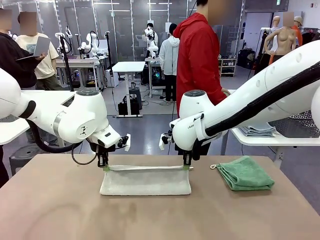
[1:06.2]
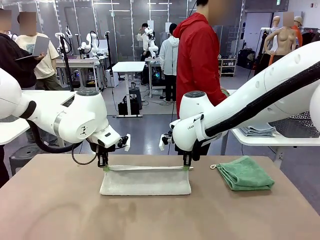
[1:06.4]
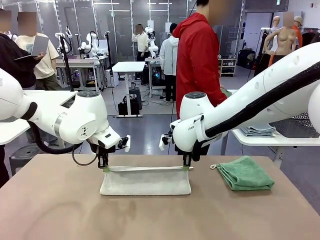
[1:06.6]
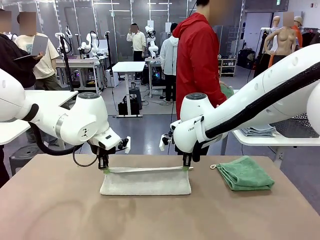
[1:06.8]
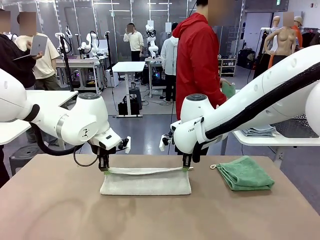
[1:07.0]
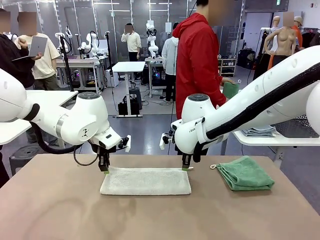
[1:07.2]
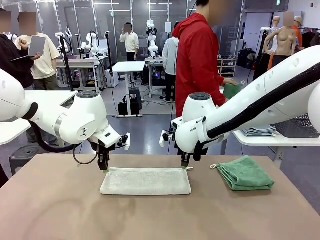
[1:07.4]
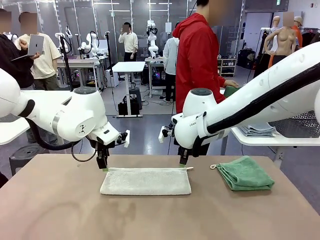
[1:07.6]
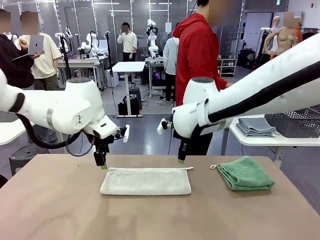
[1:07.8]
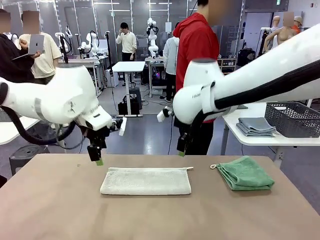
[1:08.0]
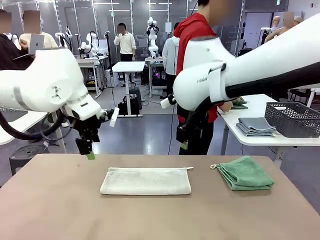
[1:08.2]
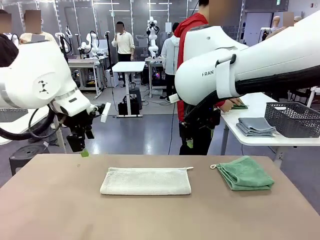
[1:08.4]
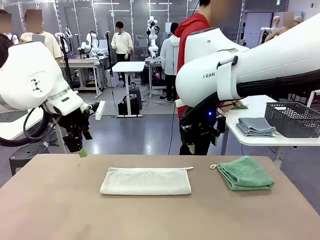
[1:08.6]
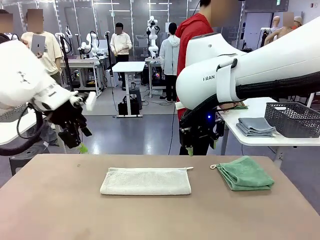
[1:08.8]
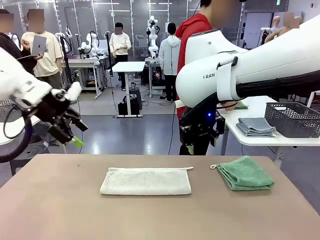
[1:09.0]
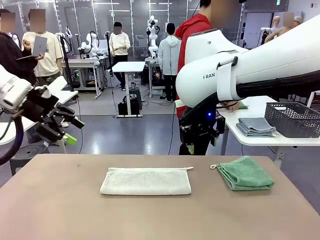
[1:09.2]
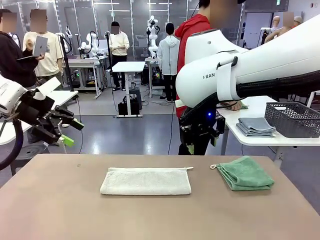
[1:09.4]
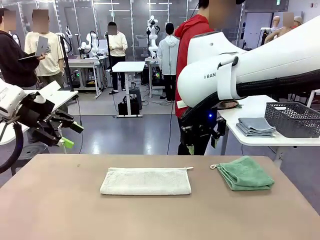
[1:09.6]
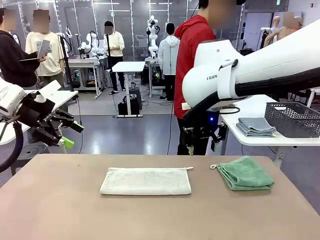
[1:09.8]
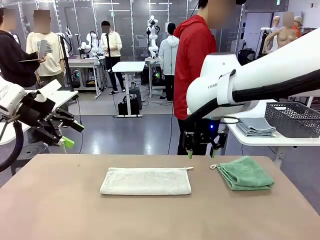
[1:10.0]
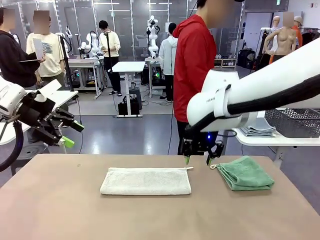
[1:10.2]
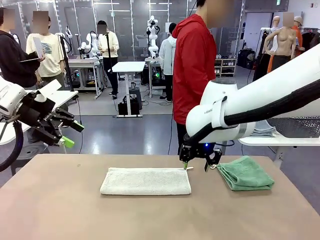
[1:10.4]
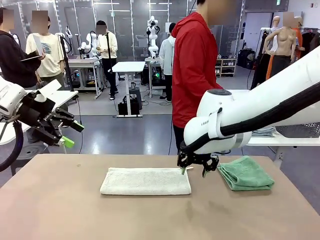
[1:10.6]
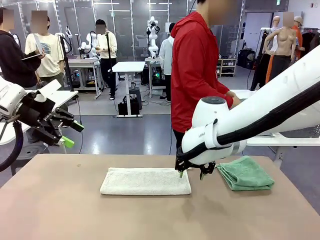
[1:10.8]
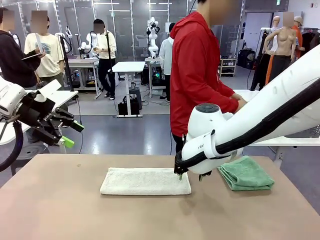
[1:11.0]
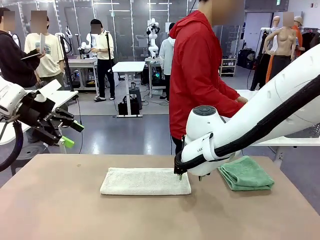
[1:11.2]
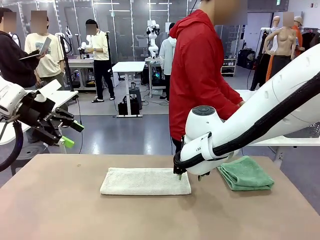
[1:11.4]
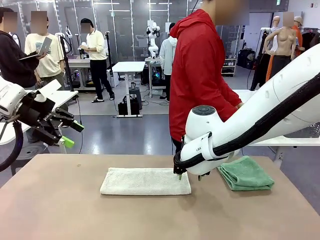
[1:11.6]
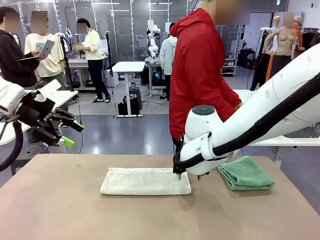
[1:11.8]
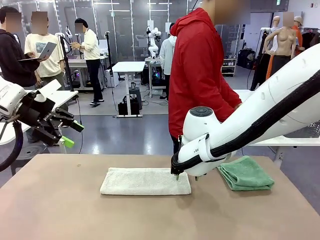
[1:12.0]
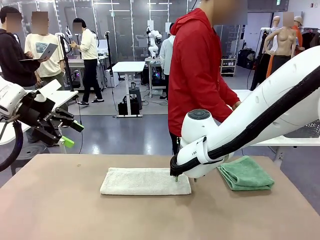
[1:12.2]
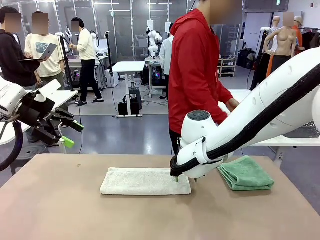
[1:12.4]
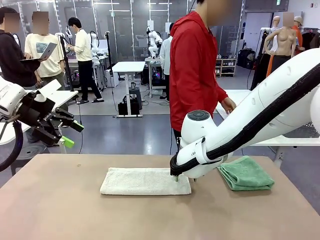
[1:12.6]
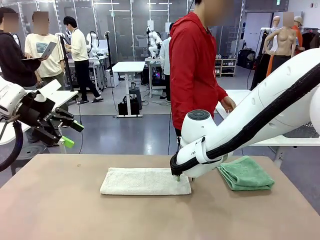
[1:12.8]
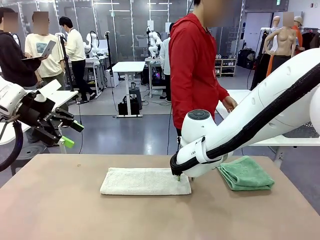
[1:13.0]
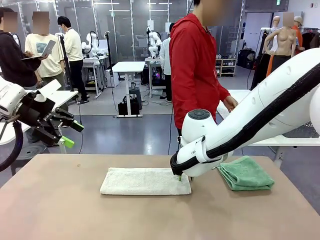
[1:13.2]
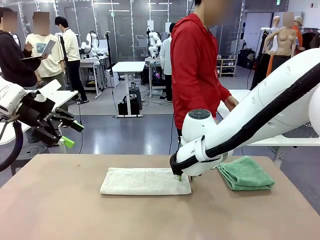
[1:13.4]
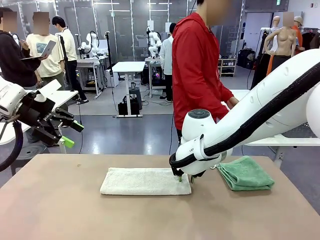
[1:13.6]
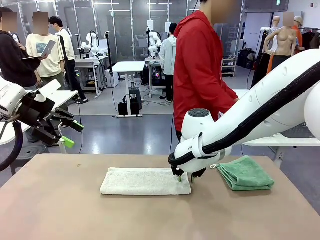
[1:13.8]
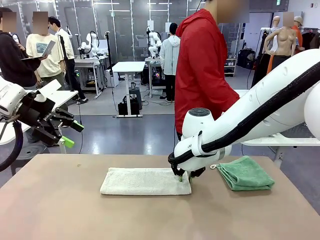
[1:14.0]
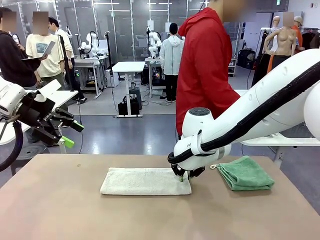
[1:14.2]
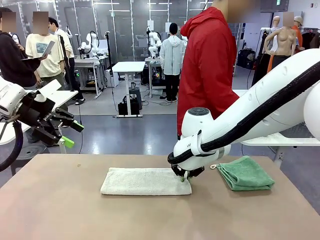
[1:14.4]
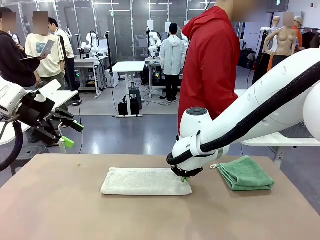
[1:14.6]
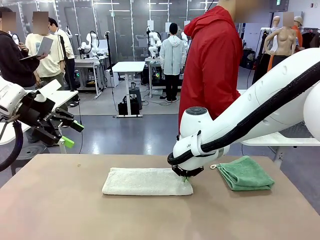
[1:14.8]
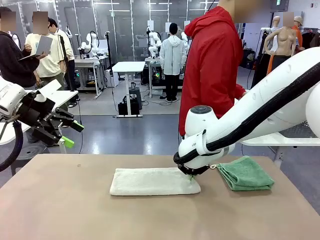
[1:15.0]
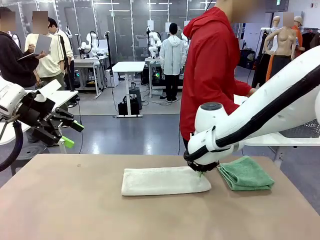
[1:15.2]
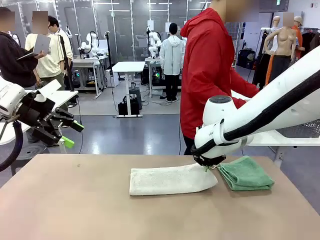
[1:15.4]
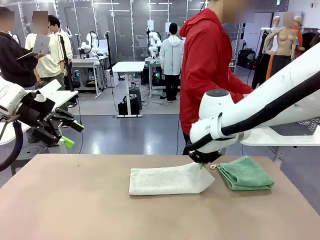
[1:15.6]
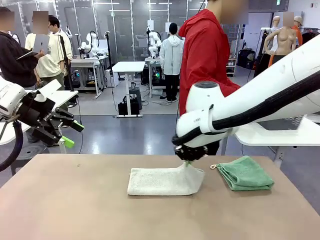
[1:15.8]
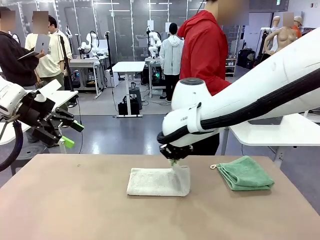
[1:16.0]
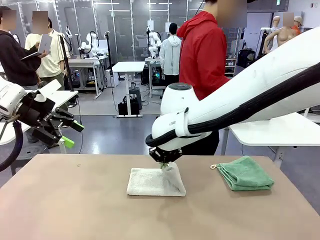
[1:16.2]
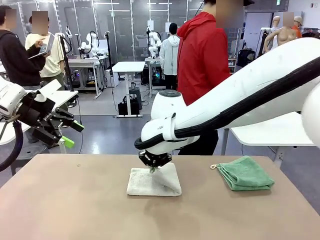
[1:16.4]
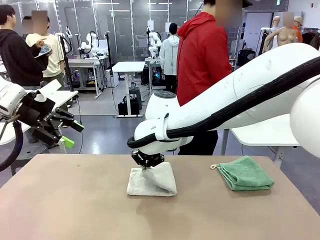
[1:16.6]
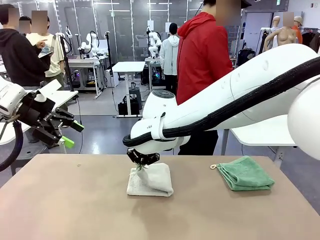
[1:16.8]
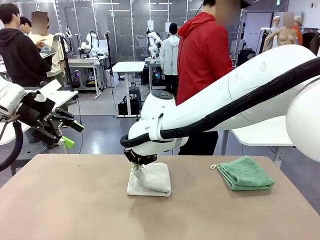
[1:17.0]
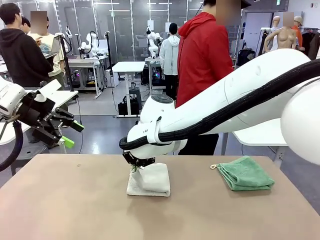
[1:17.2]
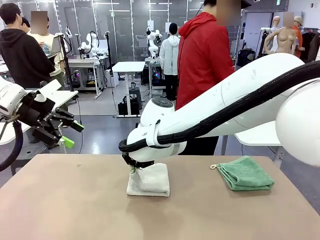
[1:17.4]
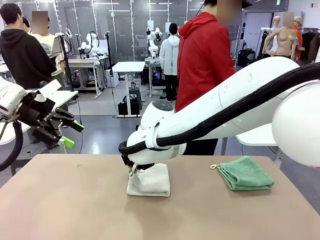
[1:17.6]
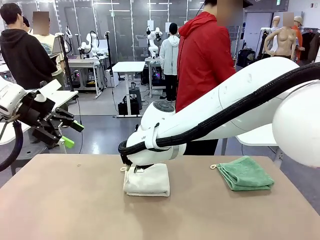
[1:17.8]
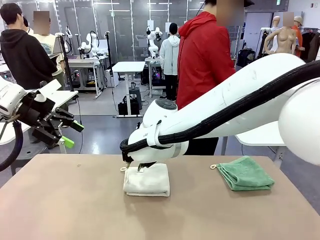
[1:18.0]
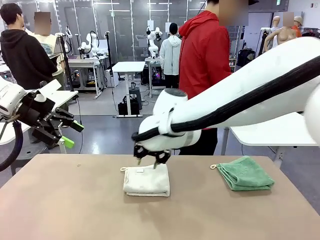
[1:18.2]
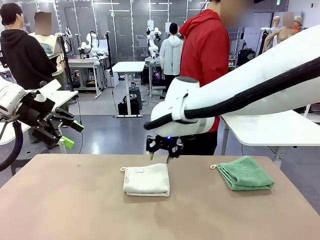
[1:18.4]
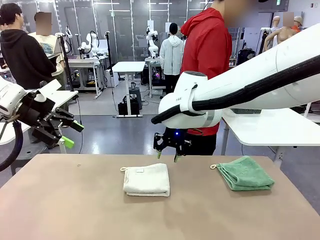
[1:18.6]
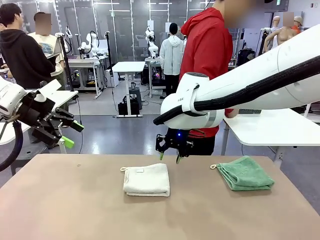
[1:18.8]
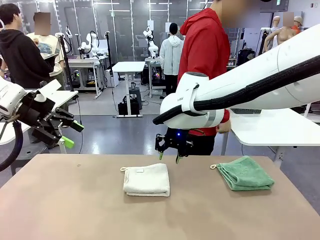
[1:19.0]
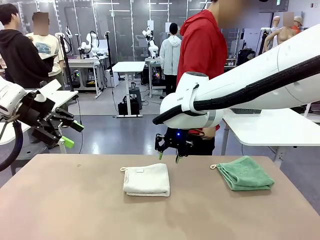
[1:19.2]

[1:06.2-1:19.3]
Task: Fold the towels and place them in the basket.
Robot: When a person lays out a Towel with hook on the table, fold it in half twice.
Person: Pick up the stack of towels from the right side of the human table, place it into the basket, and put the basket at the center of the table.

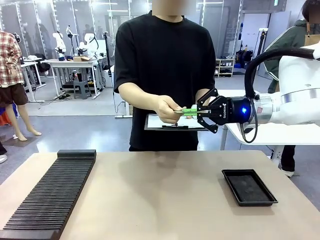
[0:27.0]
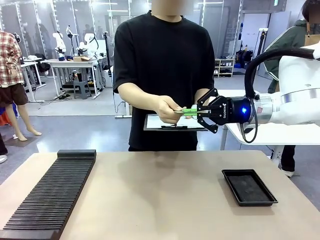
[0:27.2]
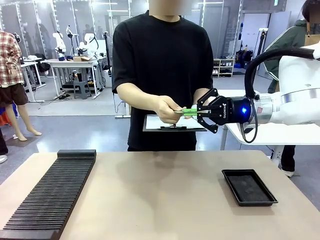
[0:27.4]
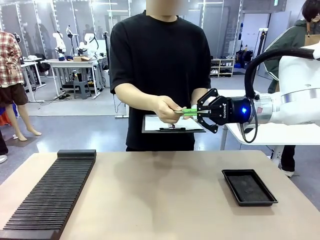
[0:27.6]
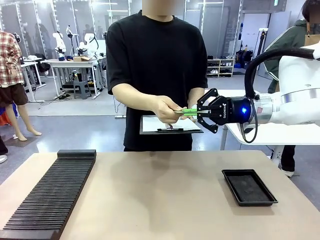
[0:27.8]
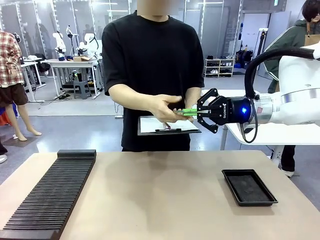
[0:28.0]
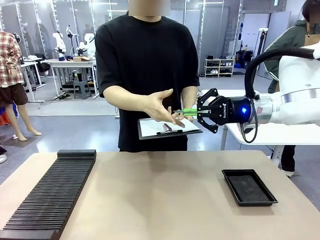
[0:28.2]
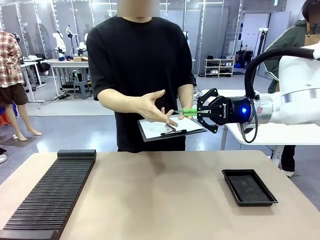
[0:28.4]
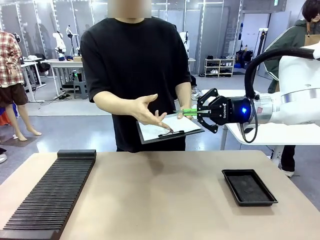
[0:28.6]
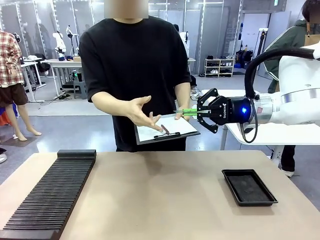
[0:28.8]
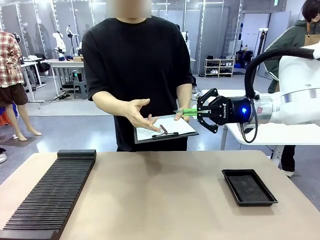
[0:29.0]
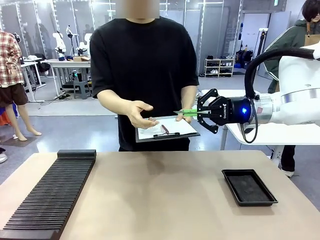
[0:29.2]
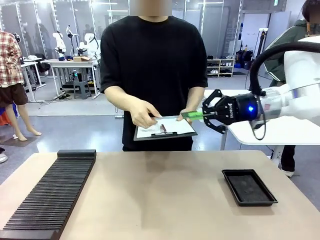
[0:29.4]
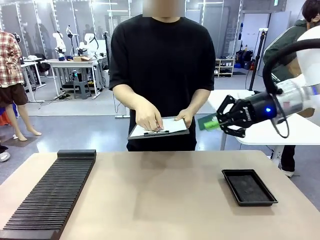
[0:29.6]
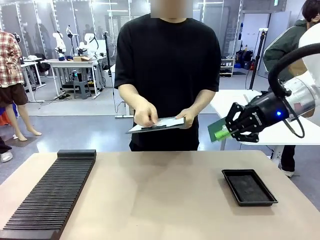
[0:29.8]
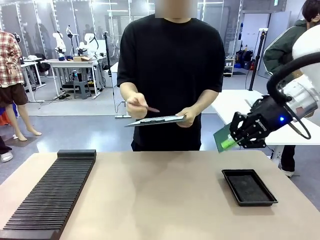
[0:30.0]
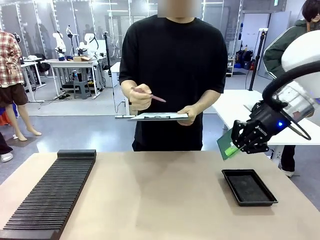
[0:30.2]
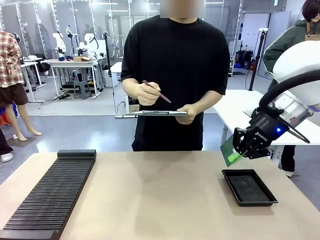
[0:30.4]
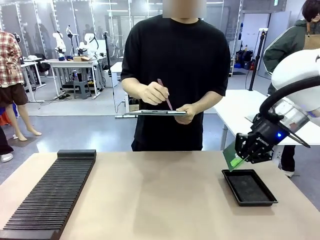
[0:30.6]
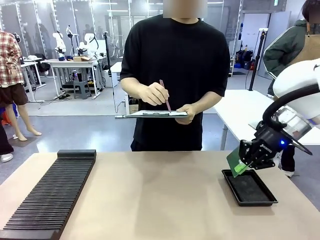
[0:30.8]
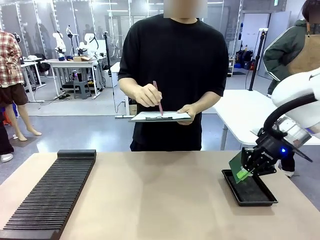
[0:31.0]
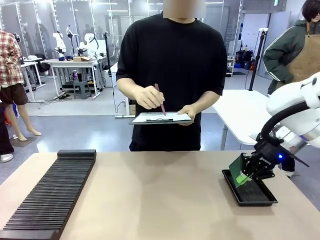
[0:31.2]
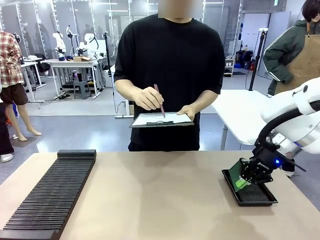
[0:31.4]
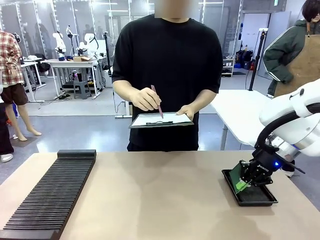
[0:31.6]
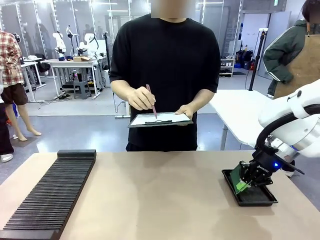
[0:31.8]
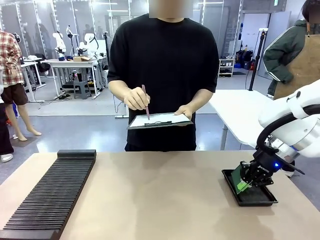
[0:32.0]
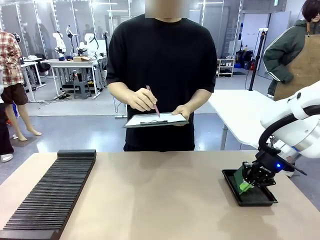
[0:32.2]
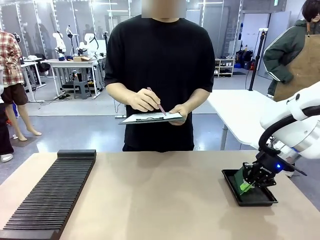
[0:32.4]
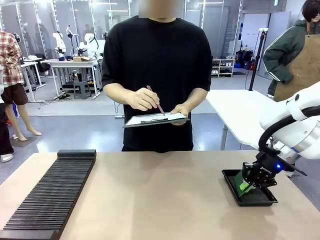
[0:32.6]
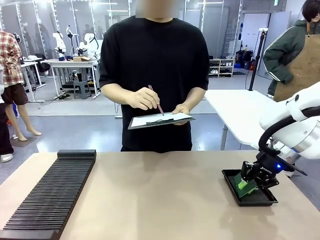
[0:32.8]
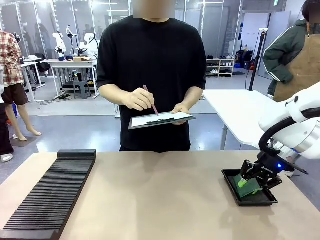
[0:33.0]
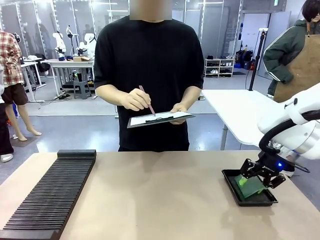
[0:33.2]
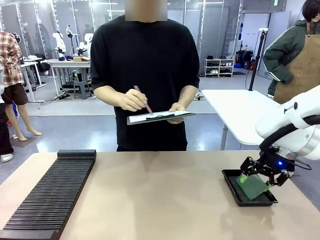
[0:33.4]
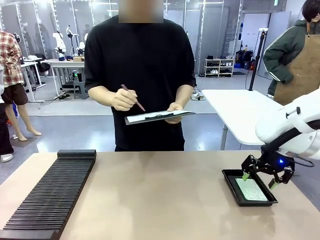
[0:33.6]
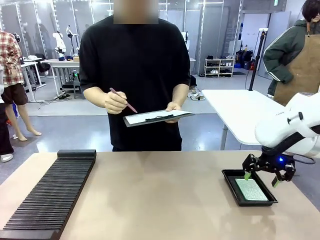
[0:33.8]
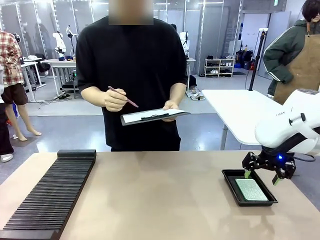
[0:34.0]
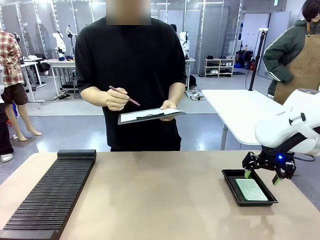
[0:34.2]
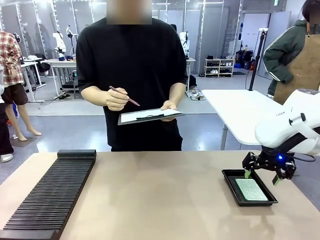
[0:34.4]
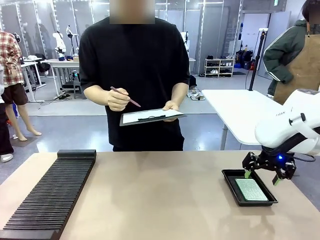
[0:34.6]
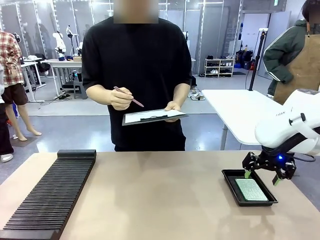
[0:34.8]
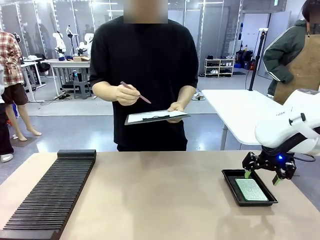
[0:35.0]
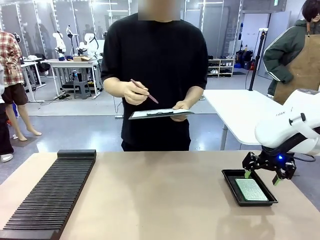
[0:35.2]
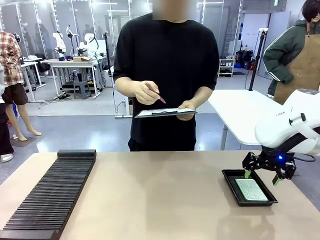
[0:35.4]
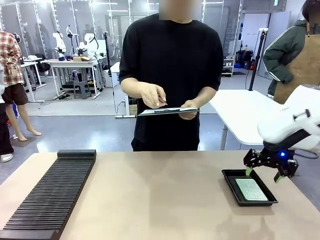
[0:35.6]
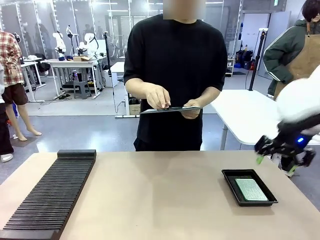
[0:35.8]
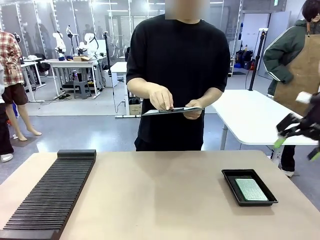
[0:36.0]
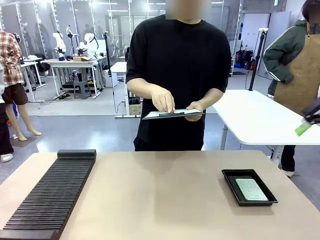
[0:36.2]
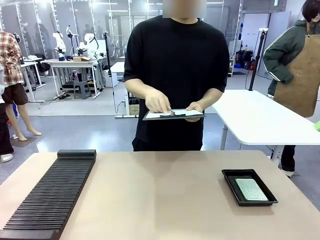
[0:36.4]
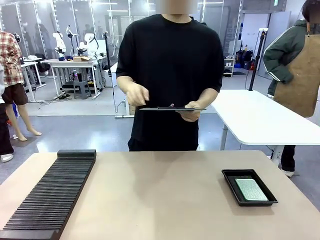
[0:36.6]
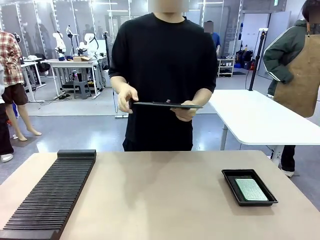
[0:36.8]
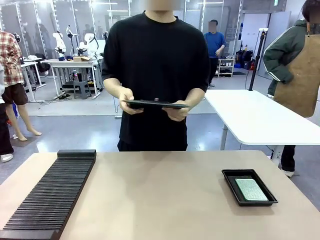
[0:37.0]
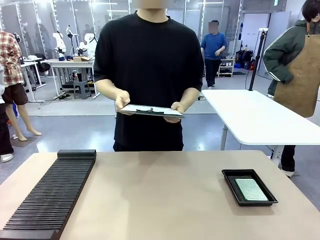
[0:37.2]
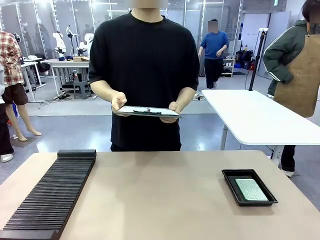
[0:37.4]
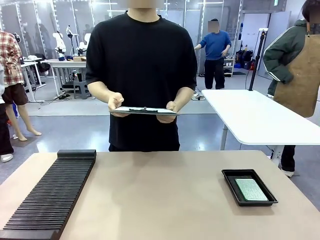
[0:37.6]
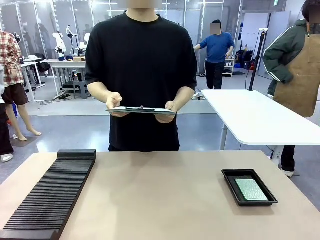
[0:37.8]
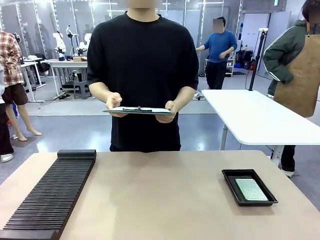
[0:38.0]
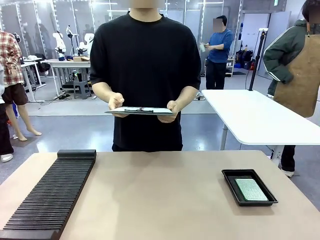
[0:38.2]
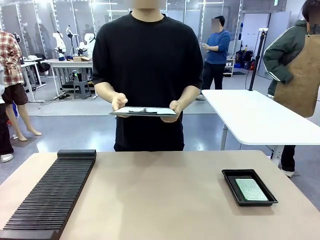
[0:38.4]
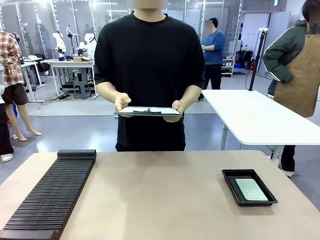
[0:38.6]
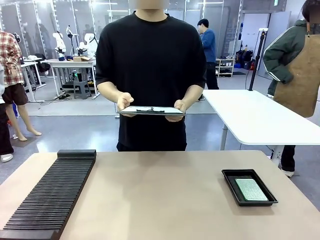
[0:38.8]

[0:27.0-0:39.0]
Task: Inspect the PCB.
Robot: Place the Blank PCB in the ESD tray.
Person: Record the PCB status on the paper.
